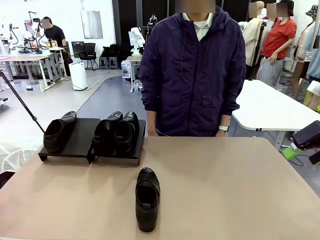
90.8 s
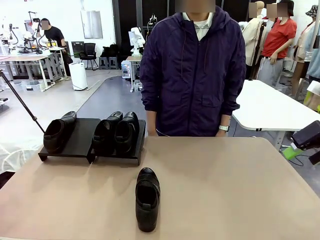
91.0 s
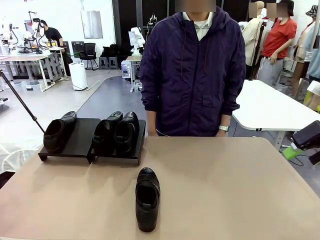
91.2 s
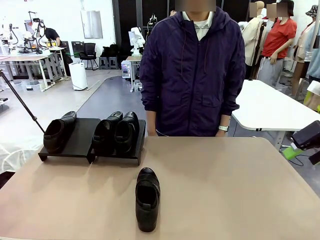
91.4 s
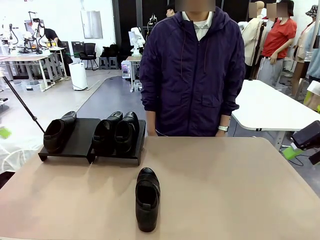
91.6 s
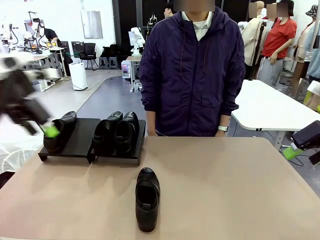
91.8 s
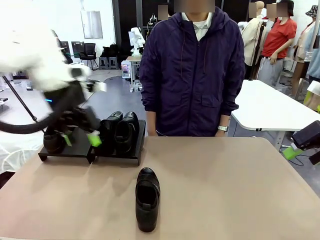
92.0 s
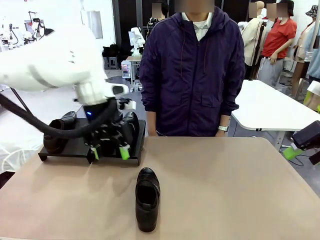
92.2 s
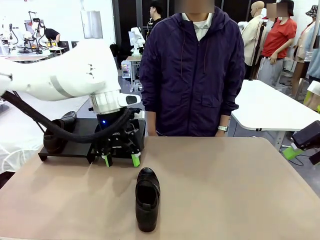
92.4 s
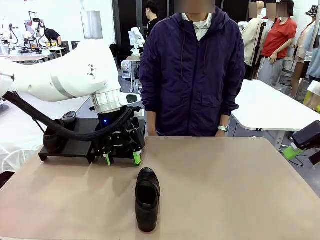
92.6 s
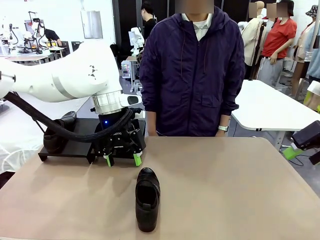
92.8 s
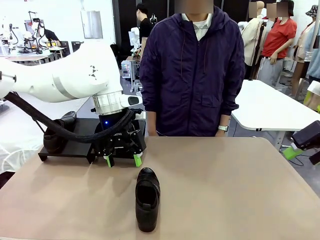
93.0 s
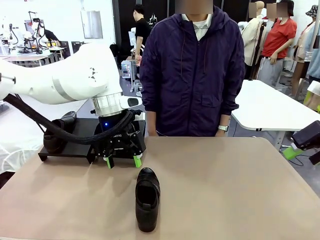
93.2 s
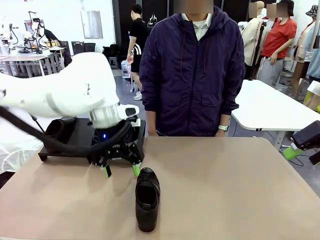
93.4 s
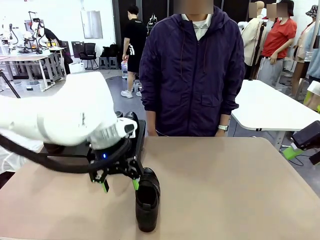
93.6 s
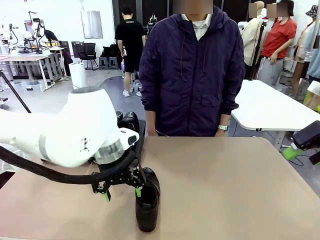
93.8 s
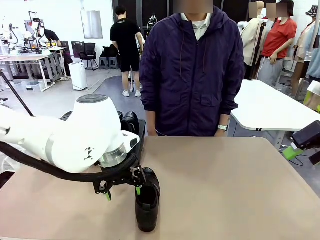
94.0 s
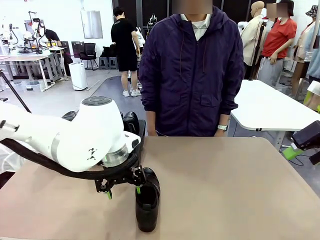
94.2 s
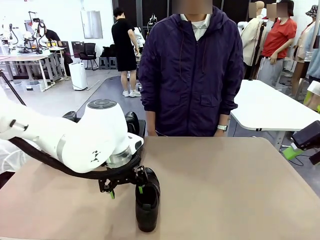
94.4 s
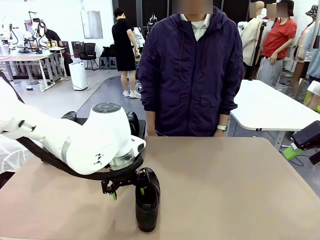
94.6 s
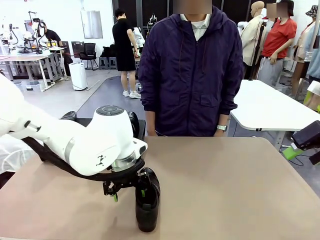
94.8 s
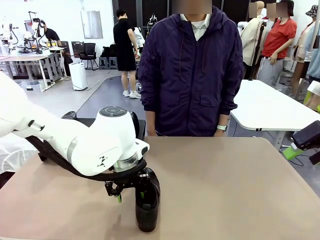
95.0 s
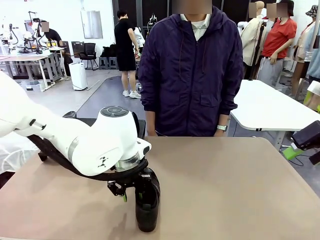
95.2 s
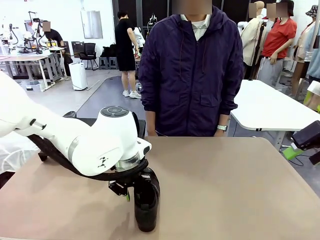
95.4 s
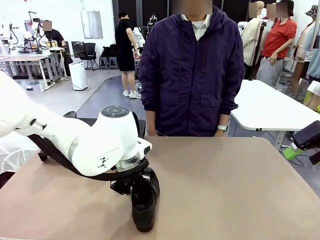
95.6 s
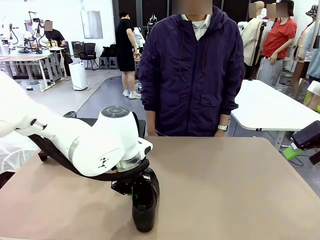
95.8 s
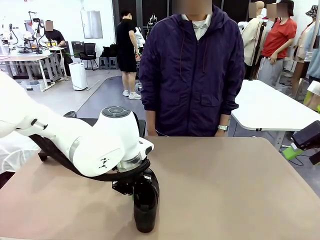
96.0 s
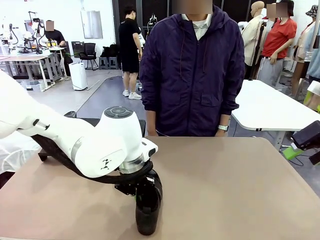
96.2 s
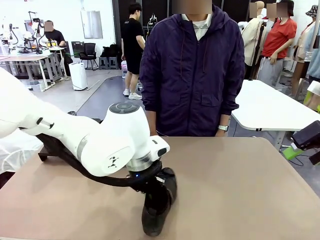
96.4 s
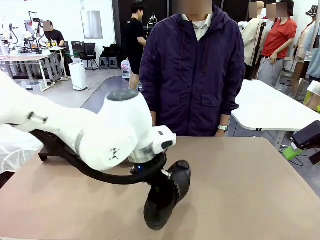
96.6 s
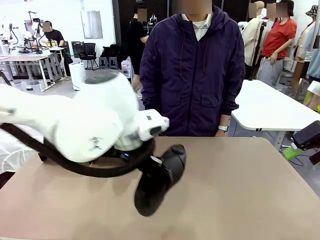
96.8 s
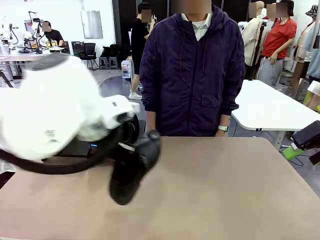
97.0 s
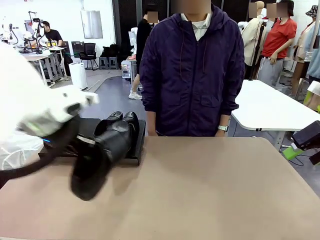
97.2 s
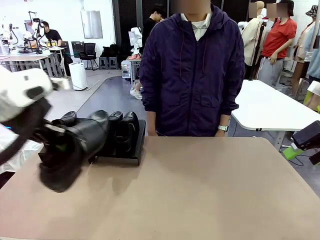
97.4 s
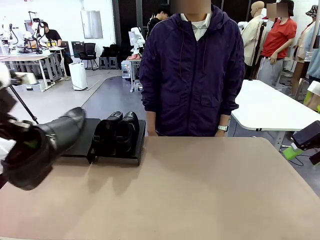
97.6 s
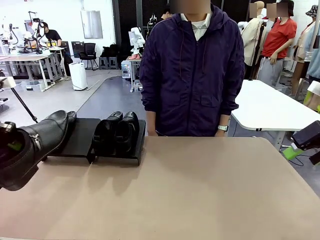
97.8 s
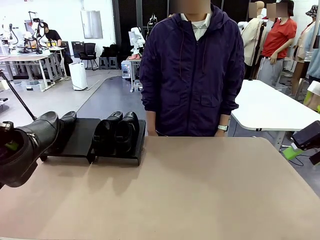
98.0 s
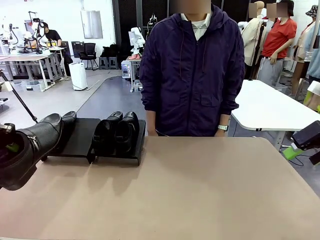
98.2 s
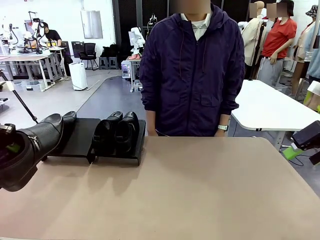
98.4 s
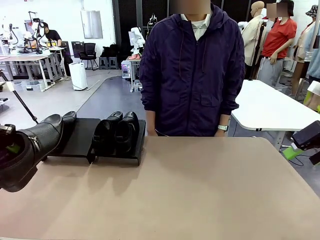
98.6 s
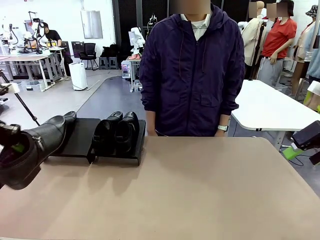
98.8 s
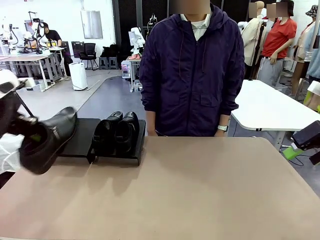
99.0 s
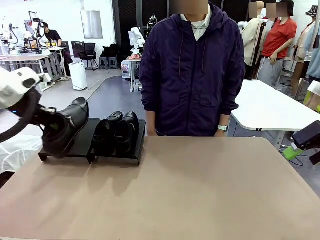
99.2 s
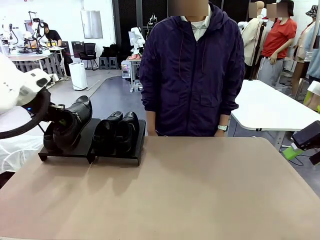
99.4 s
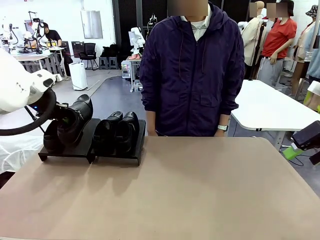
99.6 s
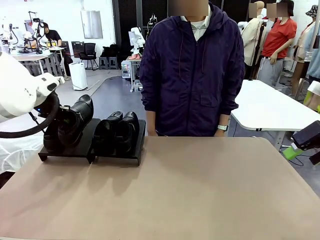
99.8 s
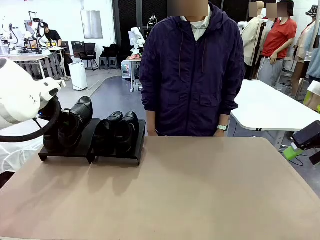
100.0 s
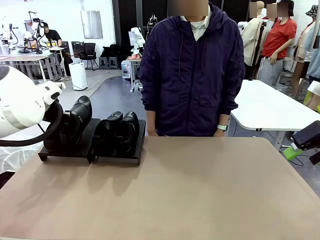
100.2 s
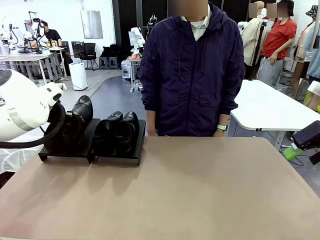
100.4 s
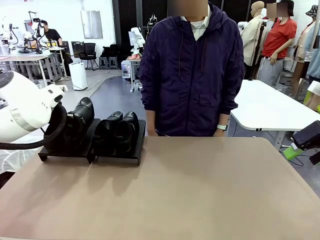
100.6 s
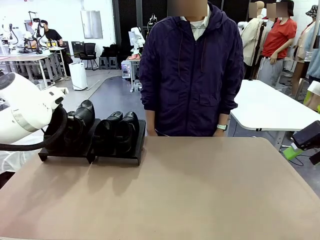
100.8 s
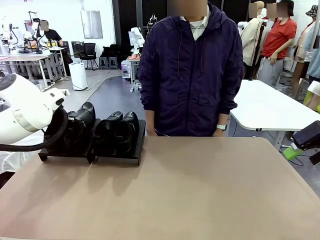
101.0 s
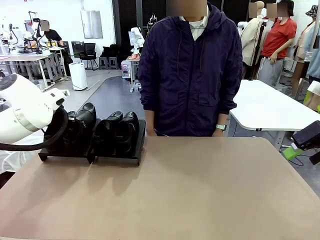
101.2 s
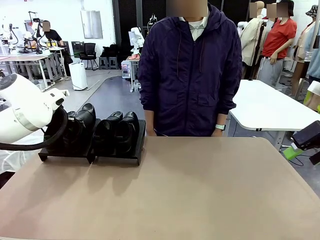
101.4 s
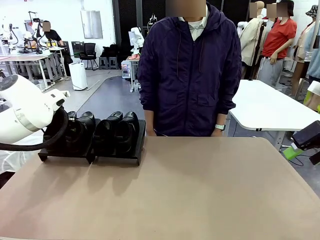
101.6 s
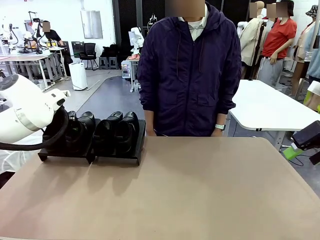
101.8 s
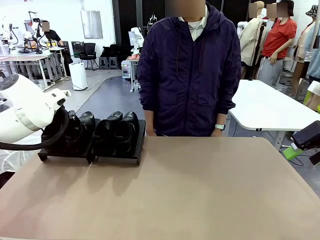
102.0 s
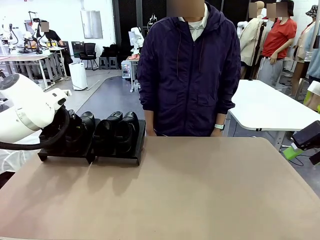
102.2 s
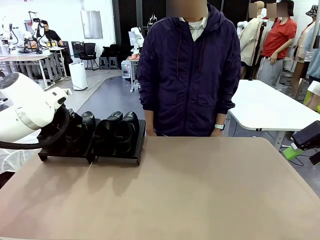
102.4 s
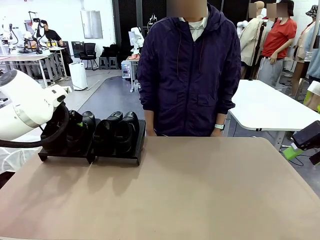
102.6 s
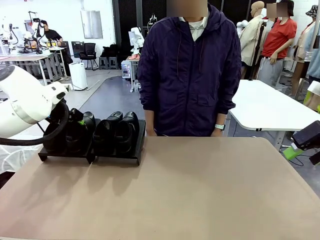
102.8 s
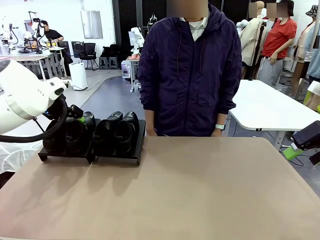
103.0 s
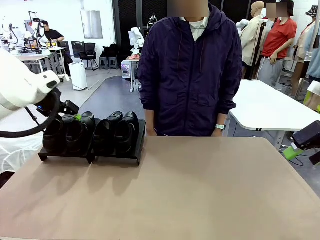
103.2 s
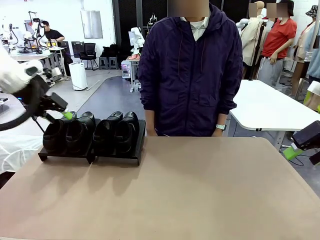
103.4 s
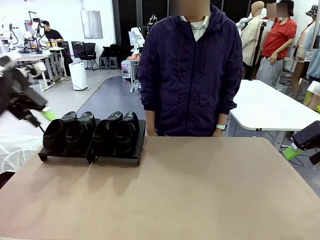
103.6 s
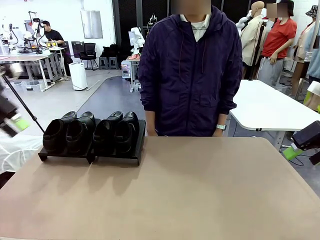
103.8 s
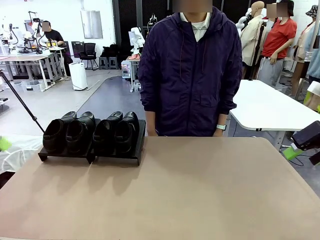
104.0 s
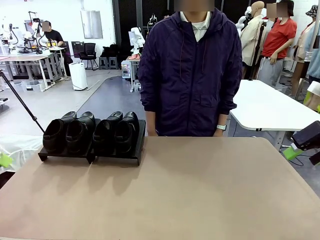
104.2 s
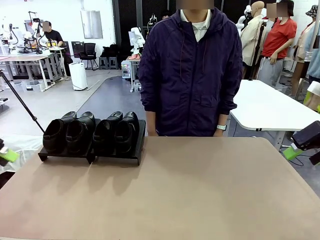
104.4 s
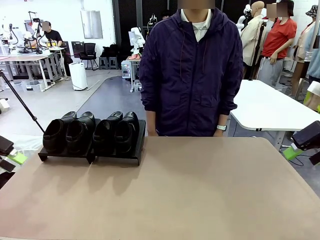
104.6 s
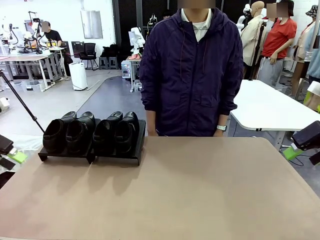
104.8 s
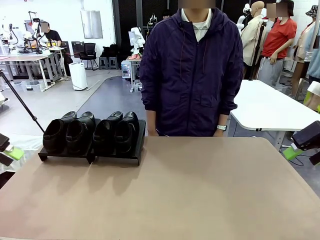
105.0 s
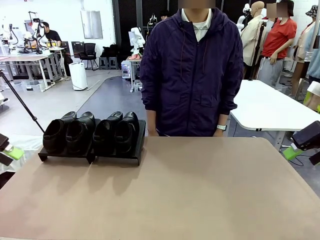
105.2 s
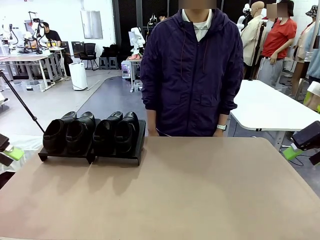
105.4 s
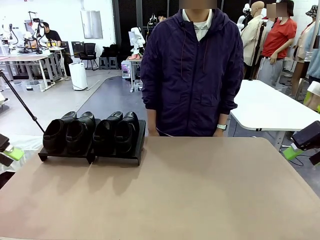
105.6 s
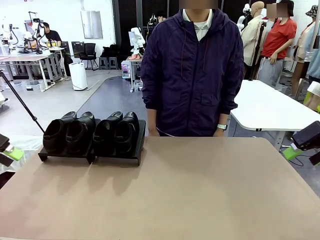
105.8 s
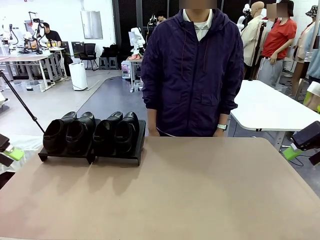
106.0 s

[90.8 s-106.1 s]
Task: Organize the shoes by placing them on the stand.
Robot: Place the Shoe from the middle of the table onto the Shoes Stand.

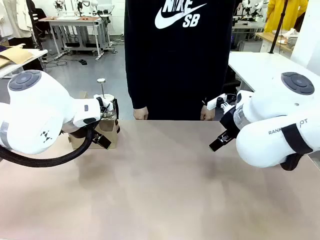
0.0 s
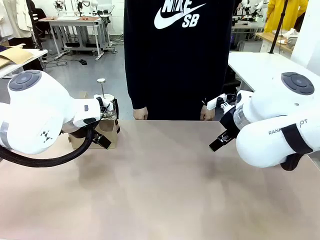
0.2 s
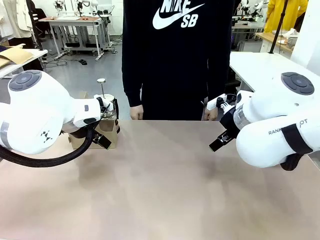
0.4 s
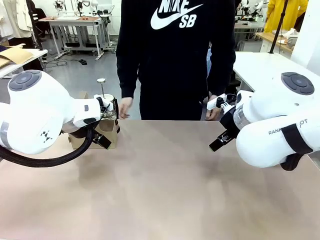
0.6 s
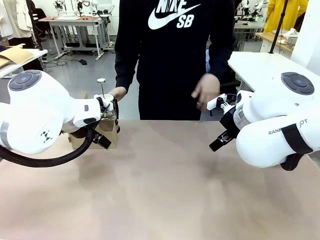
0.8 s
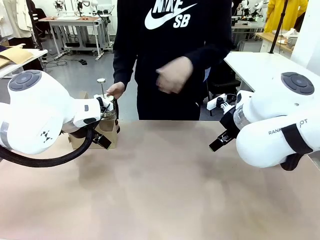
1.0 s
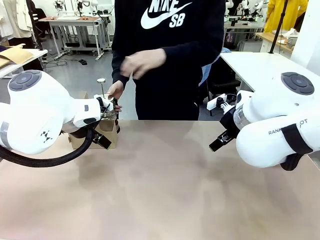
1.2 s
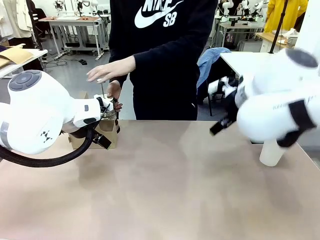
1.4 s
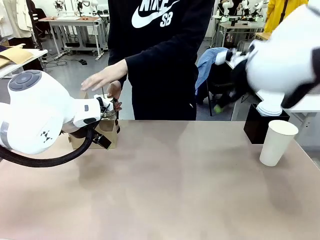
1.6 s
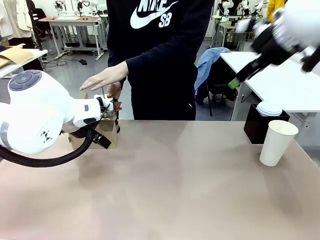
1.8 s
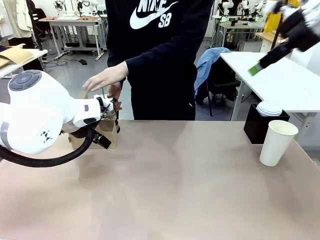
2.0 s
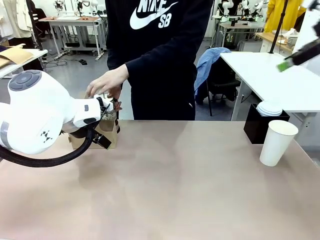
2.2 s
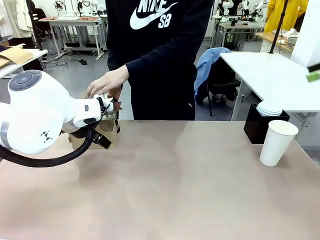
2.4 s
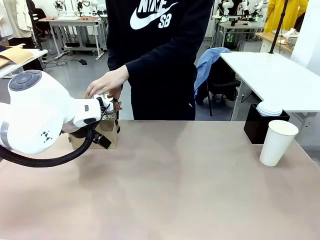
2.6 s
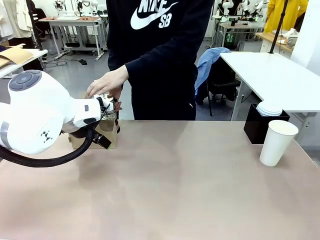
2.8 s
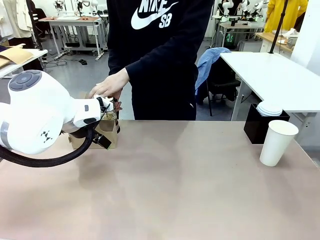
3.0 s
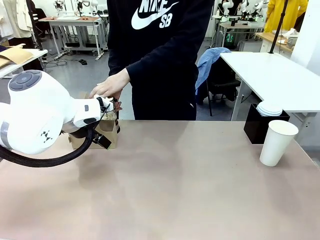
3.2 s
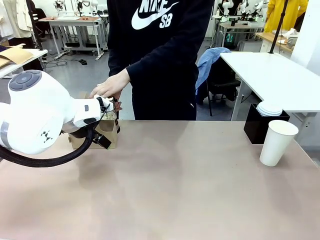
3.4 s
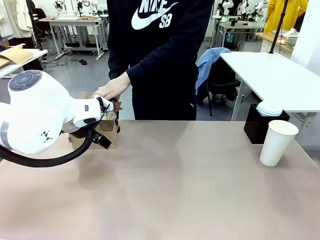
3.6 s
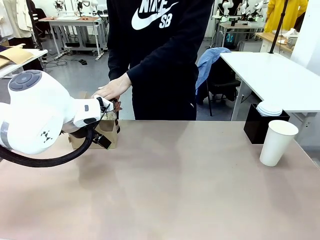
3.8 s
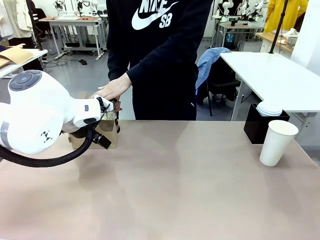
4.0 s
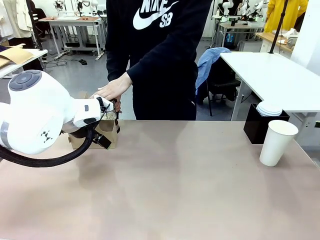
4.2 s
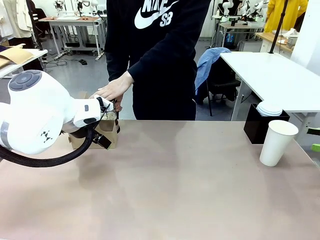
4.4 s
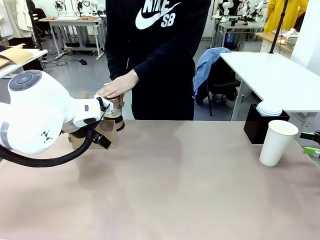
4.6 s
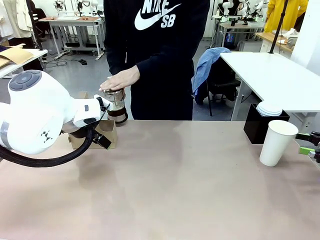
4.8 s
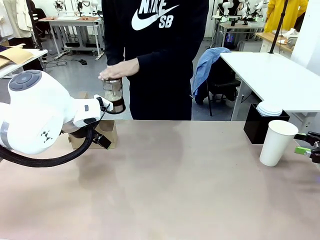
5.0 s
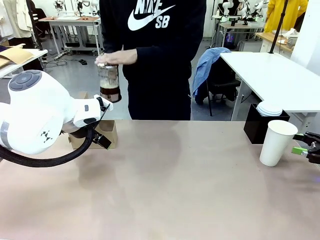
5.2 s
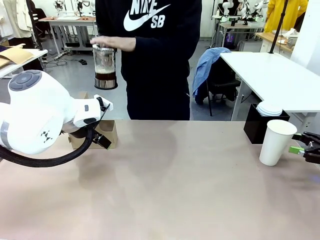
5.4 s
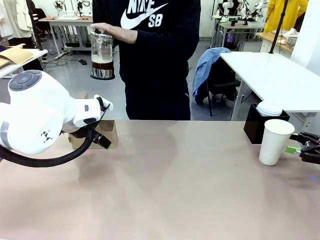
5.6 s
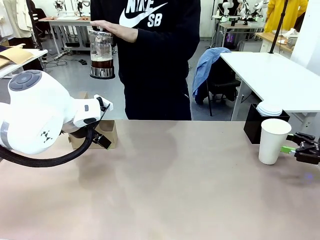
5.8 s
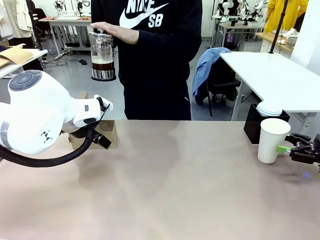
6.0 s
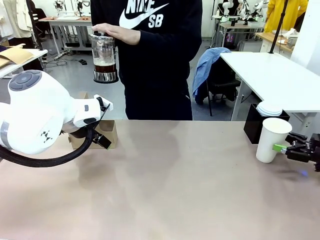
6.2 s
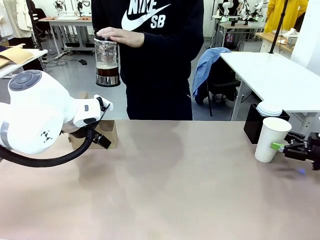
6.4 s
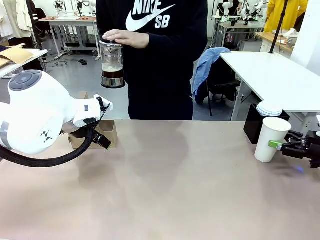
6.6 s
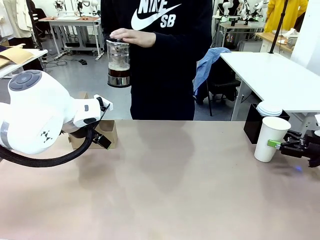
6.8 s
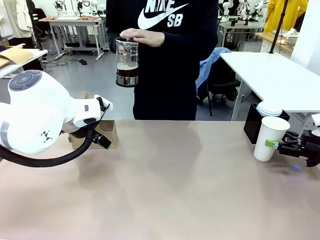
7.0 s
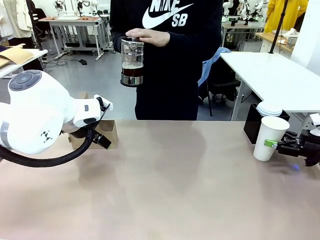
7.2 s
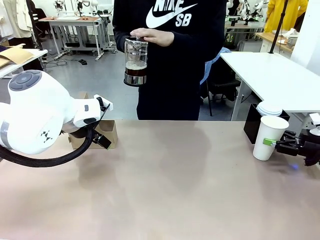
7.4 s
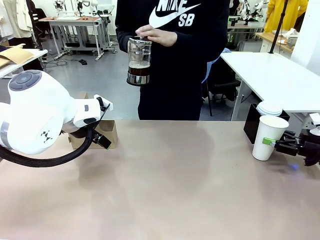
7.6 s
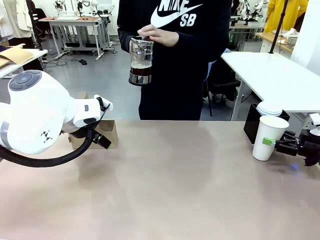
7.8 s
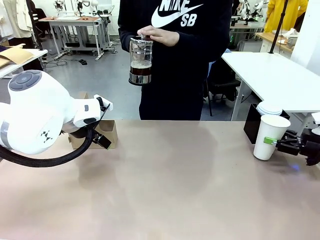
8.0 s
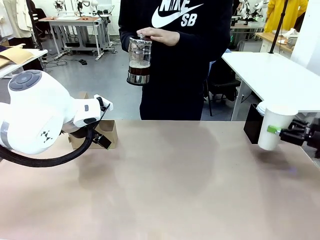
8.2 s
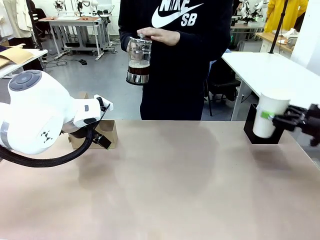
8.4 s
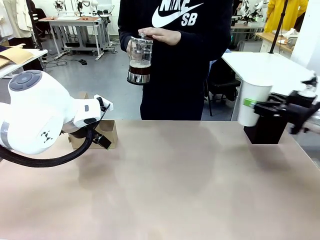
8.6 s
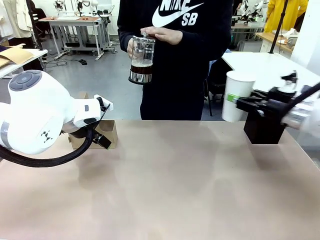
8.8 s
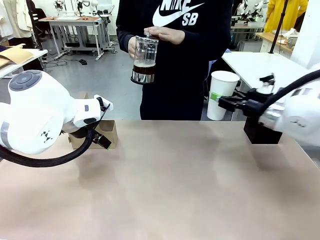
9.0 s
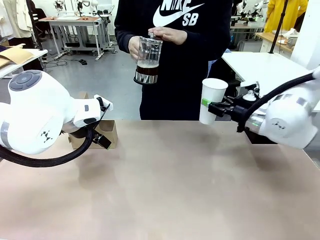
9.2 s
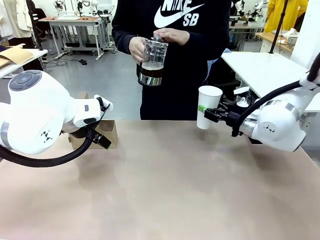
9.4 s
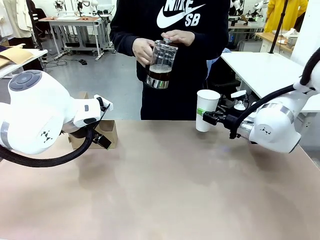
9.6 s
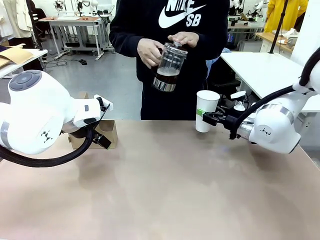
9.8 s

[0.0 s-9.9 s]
Task: Pour a drink into a cup and package it in a carrier.
Robot: Pick up the 600 ml Paper Cup and place it in the middle top area of the table.
Person: Press and pick up the Filter Brewing.
